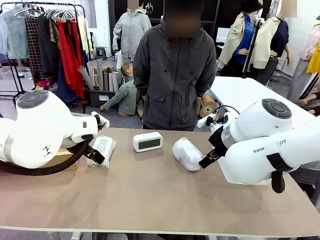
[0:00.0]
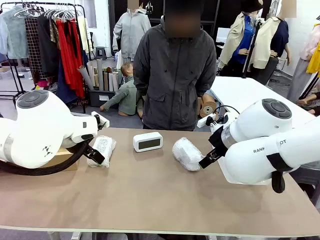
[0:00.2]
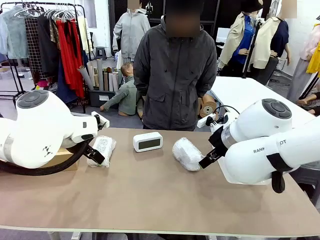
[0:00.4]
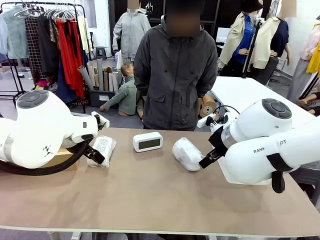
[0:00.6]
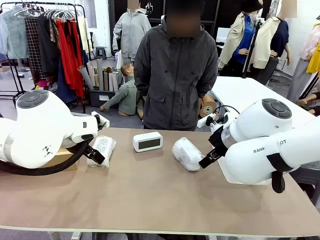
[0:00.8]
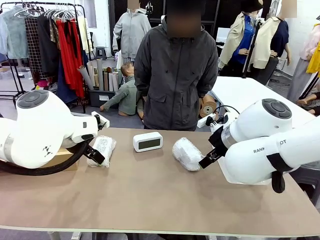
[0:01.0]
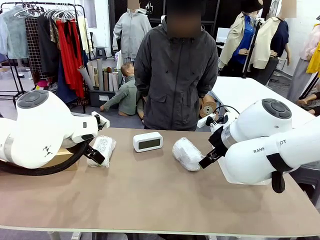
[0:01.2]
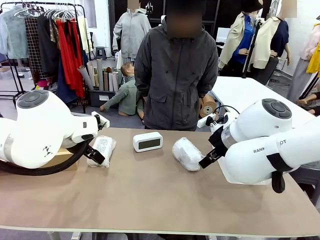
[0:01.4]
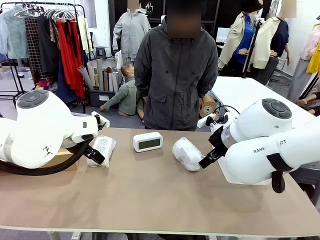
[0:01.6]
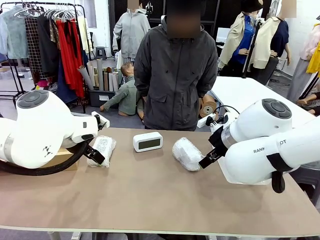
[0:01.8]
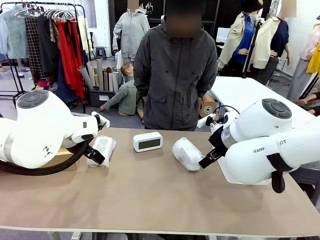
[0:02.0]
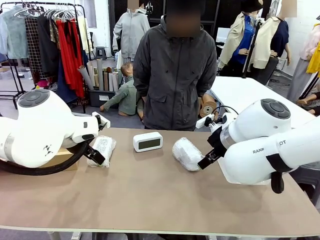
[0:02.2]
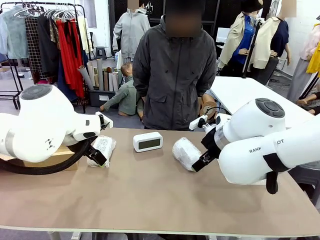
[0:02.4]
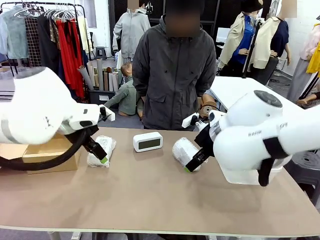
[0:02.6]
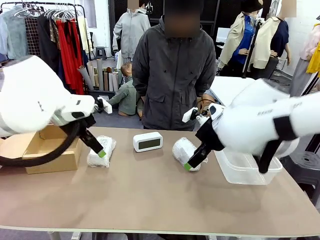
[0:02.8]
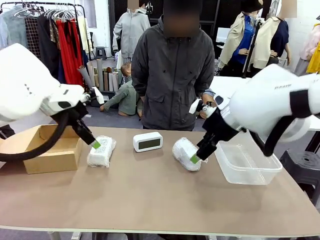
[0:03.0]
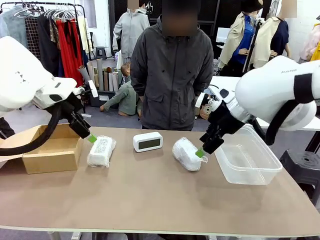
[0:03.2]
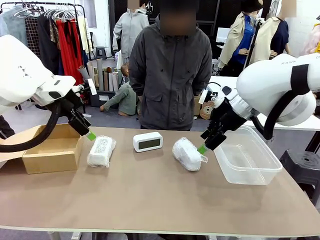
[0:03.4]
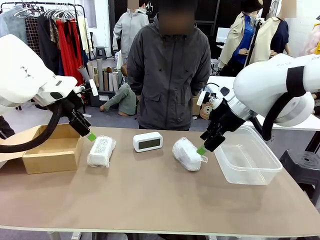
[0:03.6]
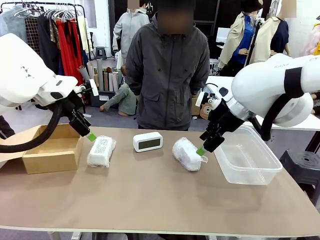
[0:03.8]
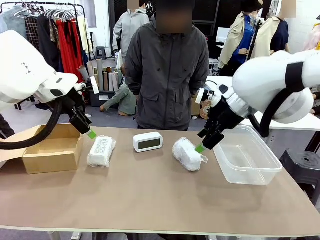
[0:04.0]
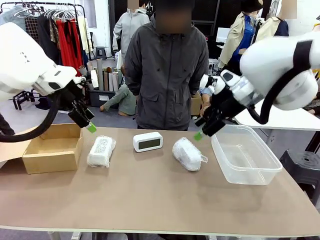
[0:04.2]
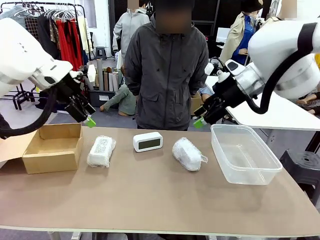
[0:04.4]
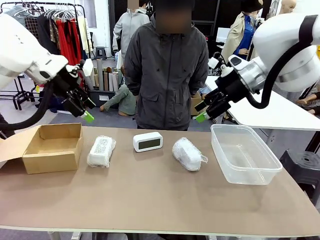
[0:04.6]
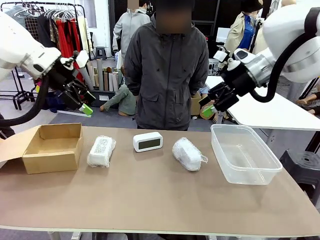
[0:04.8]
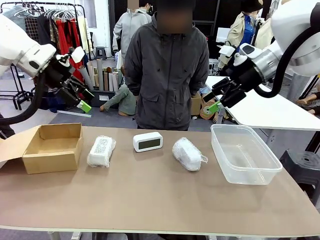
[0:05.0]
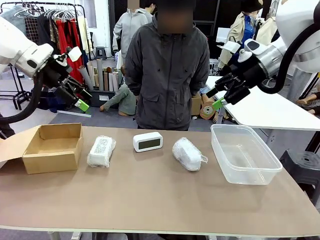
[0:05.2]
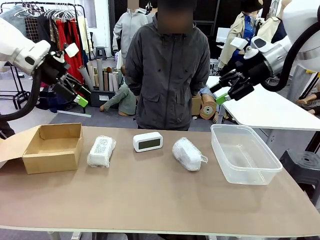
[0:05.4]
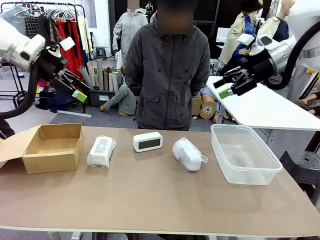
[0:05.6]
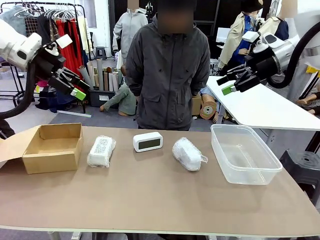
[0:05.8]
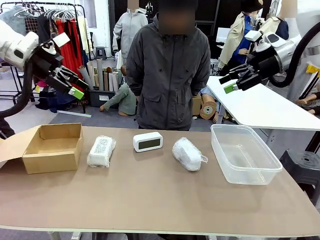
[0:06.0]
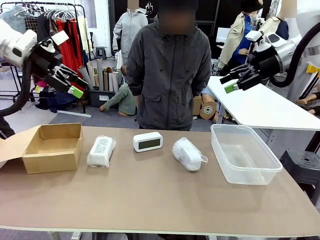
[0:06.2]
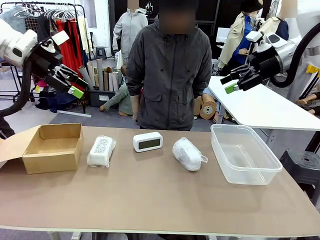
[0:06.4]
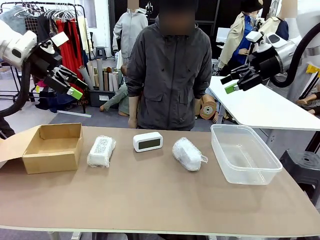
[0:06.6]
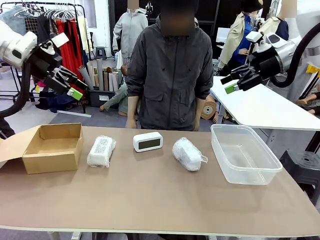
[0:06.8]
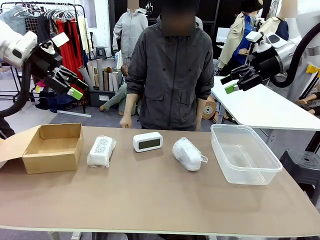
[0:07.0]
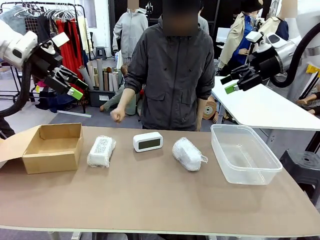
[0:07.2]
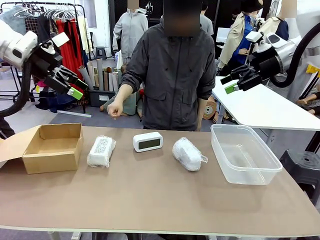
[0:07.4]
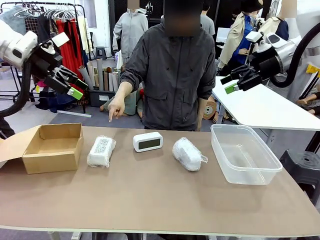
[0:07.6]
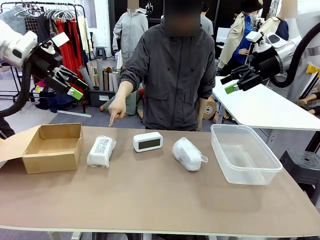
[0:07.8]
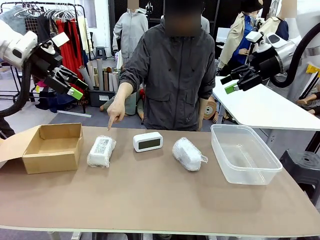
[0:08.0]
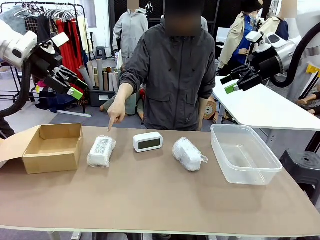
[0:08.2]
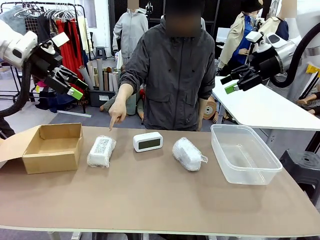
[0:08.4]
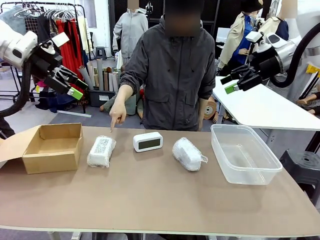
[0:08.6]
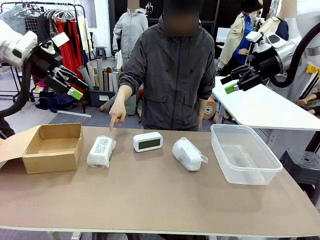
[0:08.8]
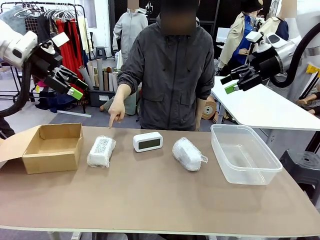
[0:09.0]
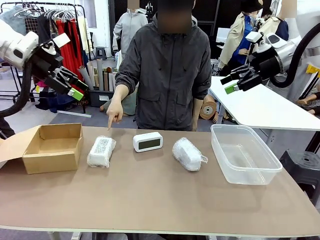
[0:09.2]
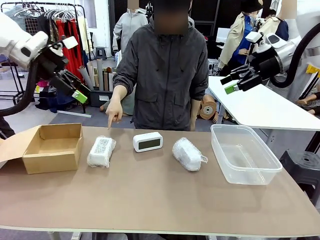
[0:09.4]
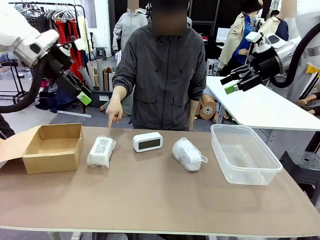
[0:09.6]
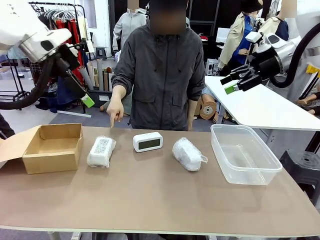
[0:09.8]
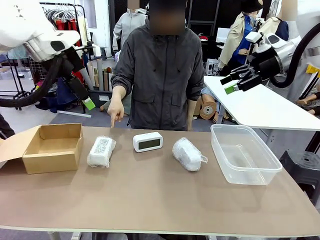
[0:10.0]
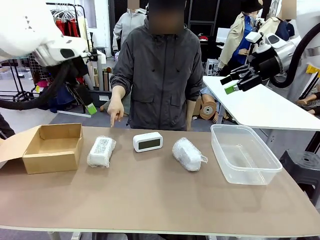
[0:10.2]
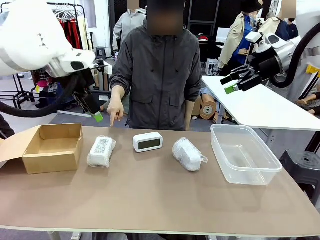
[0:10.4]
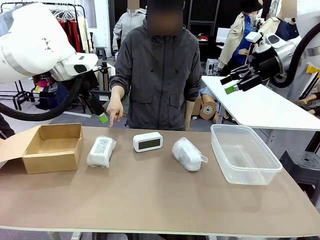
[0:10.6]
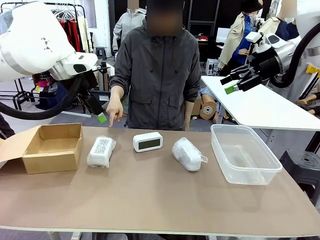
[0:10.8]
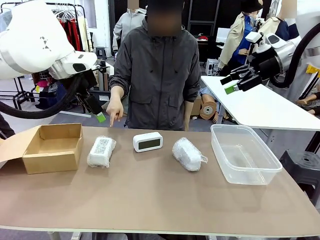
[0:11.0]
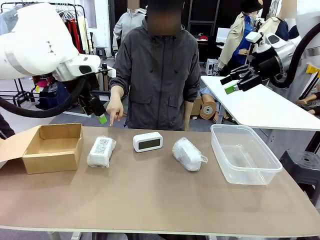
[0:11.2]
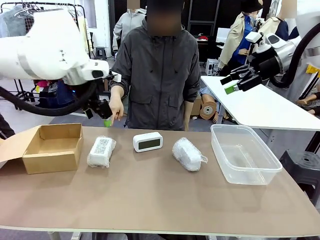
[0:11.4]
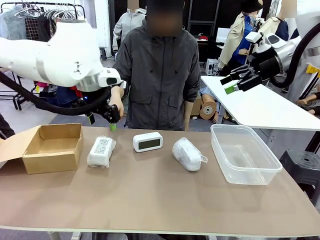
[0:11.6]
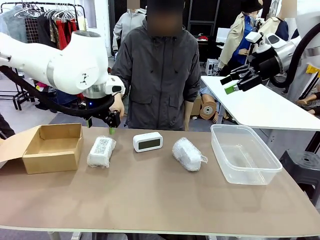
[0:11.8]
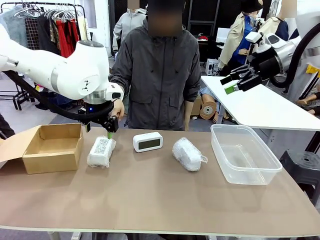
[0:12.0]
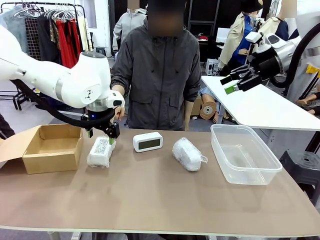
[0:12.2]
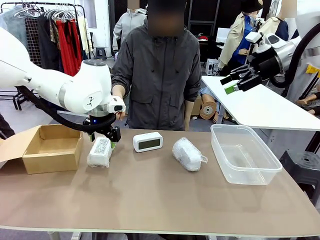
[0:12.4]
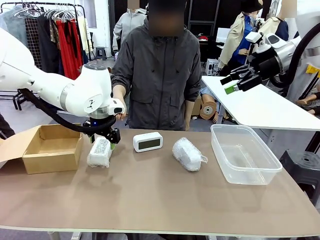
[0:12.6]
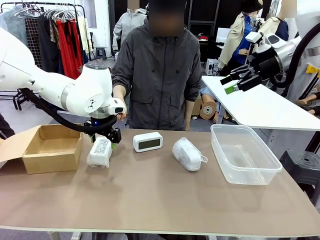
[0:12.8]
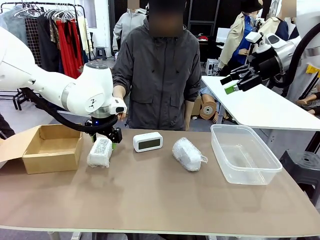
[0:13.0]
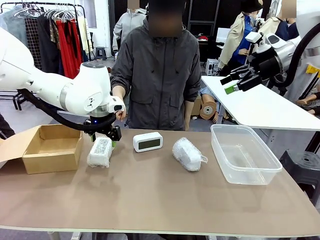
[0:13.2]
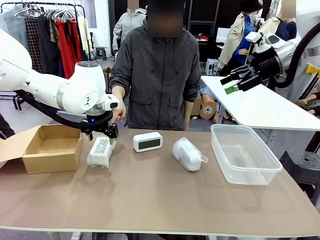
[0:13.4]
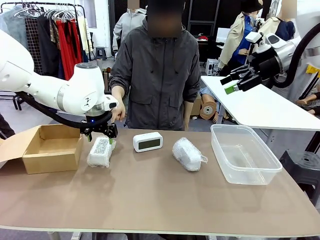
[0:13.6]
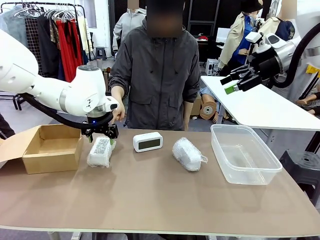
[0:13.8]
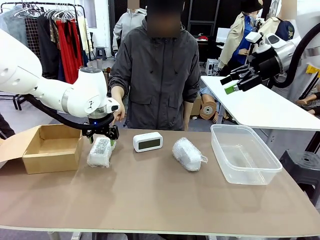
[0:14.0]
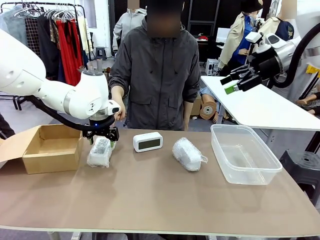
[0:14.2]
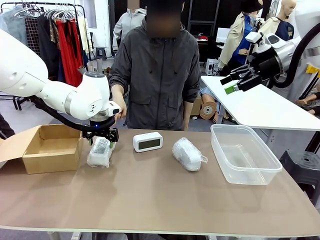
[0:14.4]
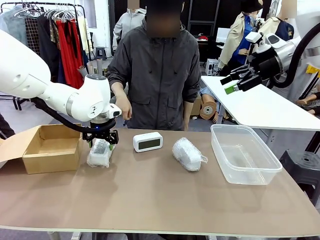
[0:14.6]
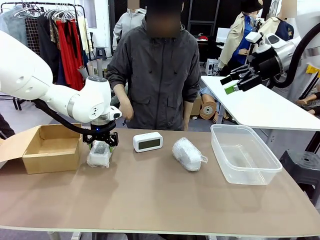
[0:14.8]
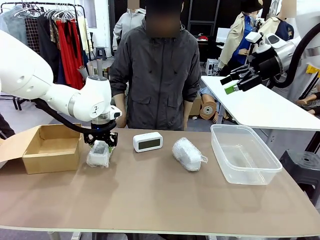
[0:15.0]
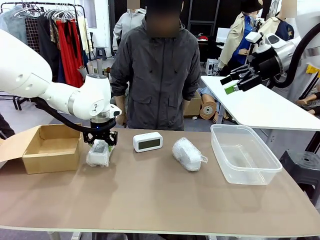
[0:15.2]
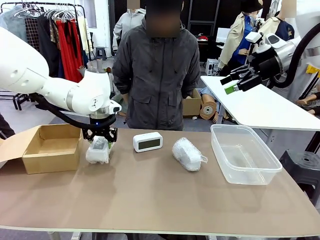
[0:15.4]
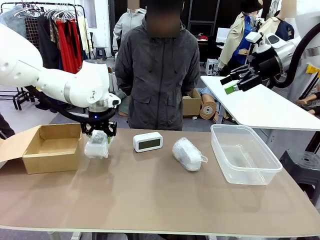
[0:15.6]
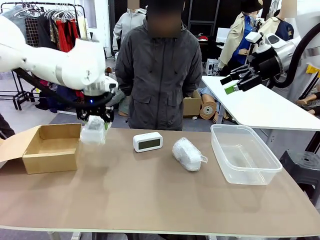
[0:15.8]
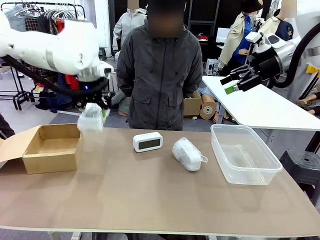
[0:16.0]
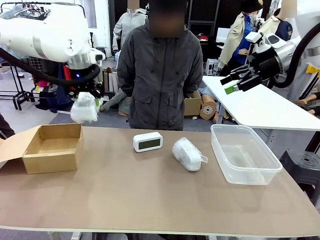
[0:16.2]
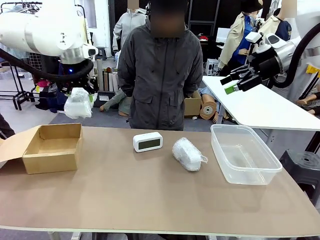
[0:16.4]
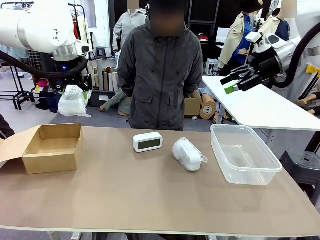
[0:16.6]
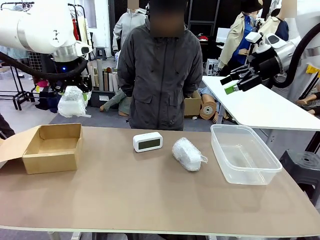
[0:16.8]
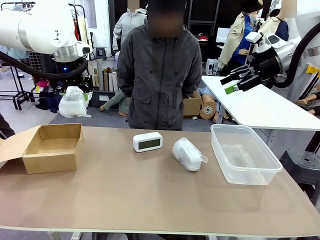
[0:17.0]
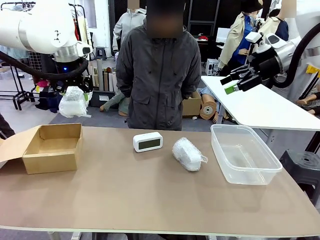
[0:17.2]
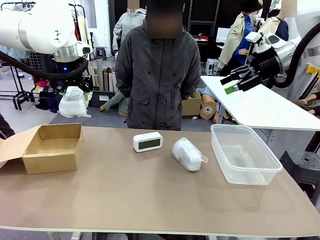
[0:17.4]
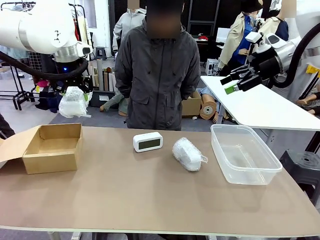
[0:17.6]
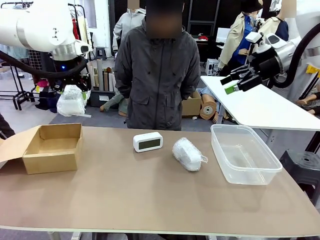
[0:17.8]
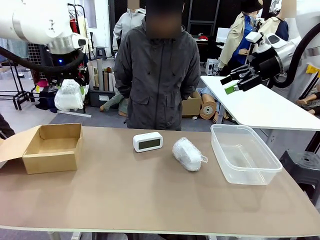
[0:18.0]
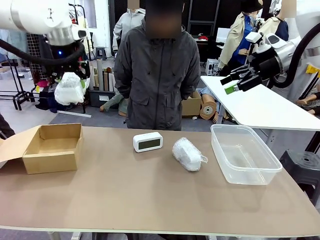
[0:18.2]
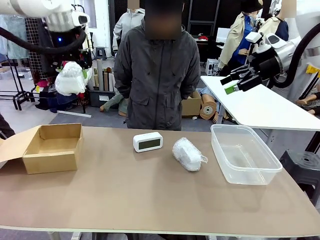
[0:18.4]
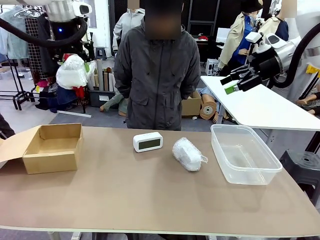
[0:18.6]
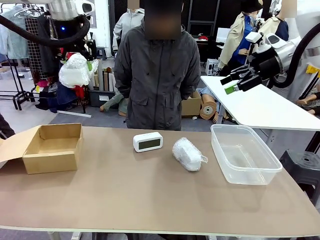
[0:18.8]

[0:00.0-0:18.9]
Task: Separate and place wrapped and unwrapped clocks.
Robot: Pick up the Digital clock indicated by the person.

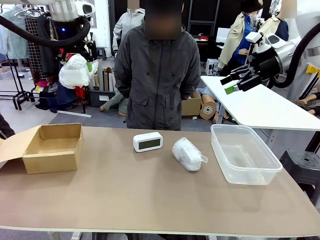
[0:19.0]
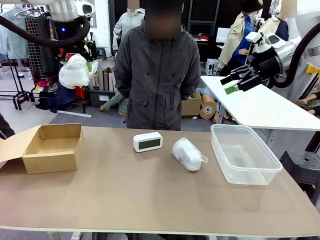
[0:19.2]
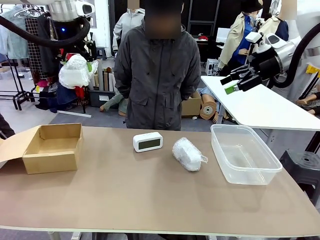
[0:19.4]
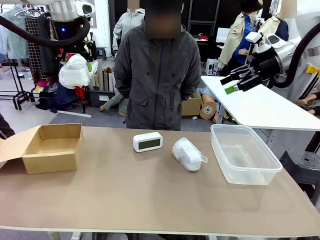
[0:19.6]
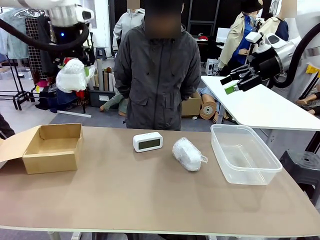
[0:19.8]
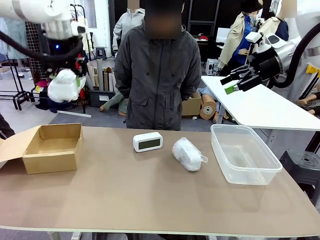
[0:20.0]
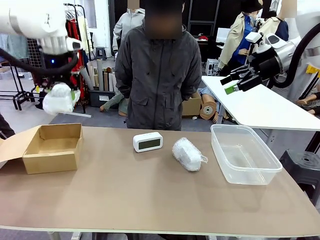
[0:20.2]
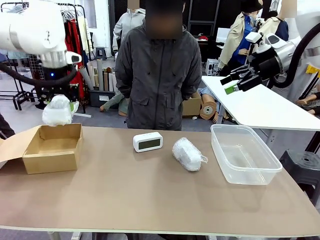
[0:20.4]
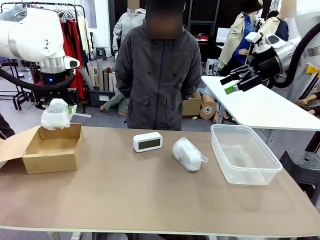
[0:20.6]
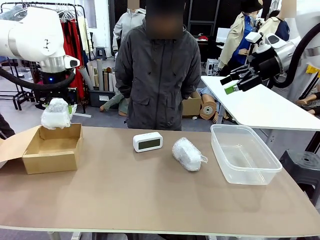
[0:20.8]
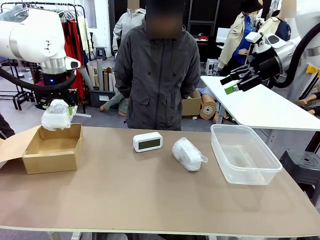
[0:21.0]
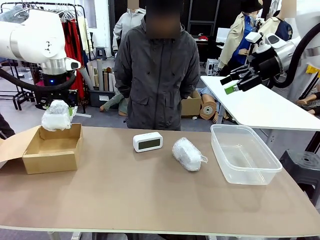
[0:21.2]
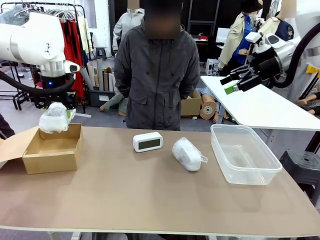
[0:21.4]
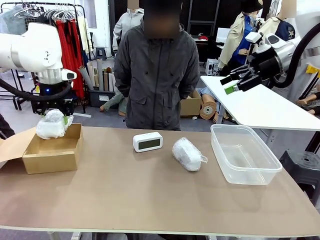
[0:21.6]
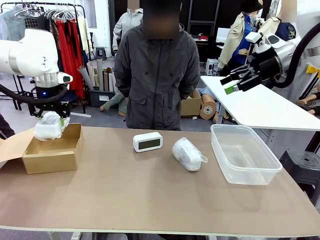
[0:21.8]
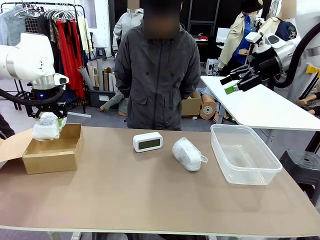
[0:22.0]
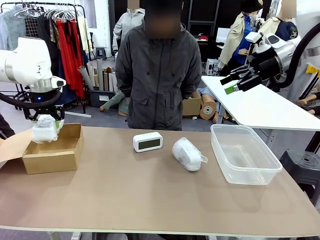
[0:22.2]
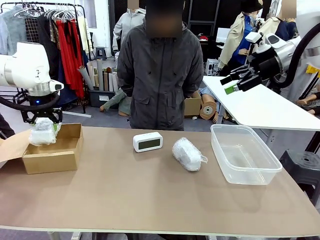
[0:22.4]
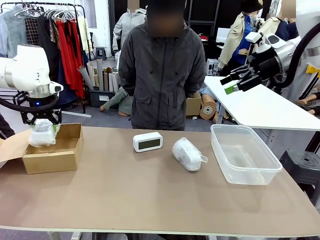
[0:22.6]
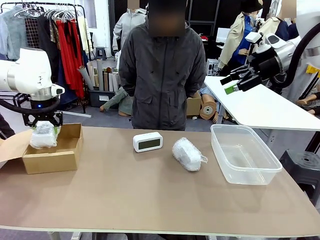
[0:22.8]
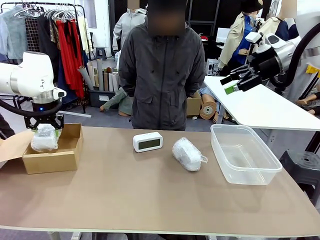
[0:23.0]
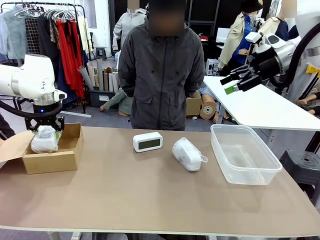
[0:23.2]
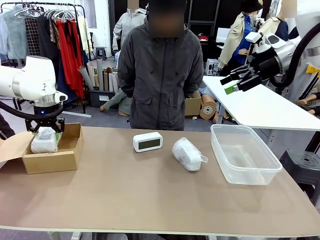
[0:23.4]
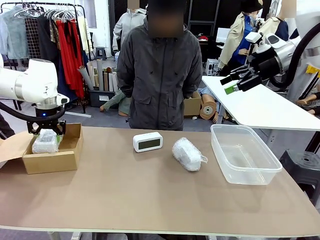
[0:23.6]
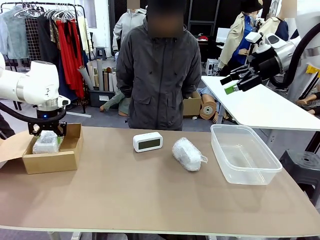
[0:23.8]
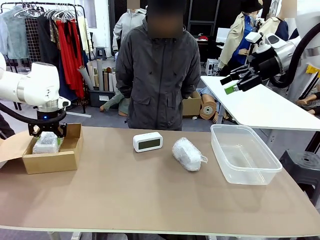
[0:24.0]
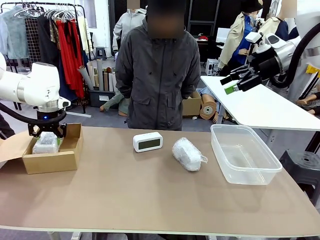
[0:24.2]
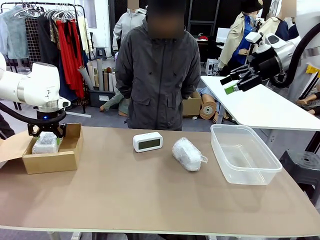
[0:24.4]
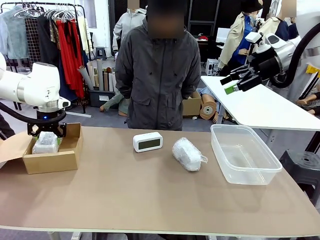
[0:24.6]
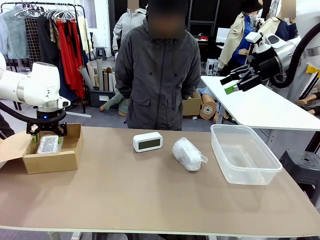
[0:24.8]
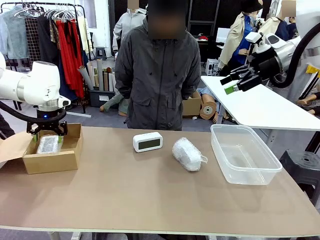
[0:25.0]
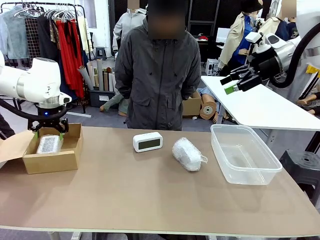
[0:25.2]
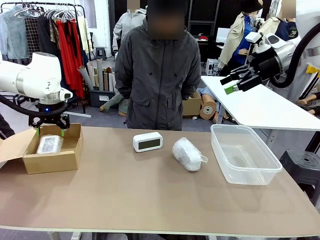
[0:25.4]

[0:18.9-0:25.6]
Robot: If the picked Digital clock is wrapped, place it in the Package Box ; if not, place it in the Organizing box.
